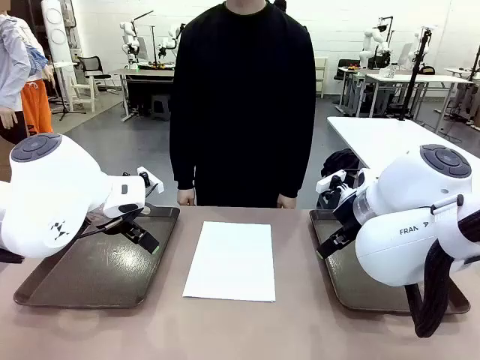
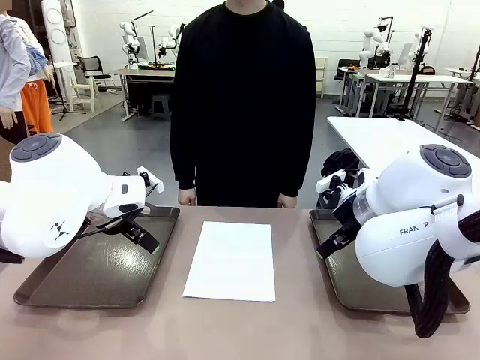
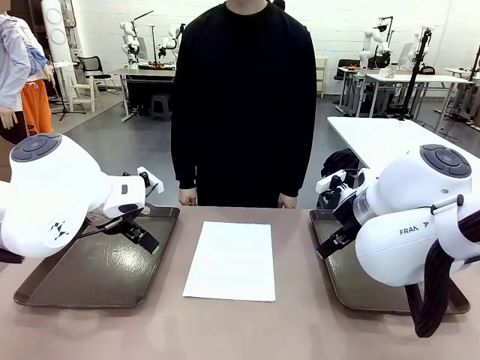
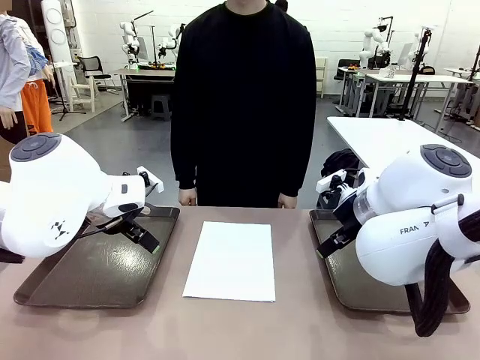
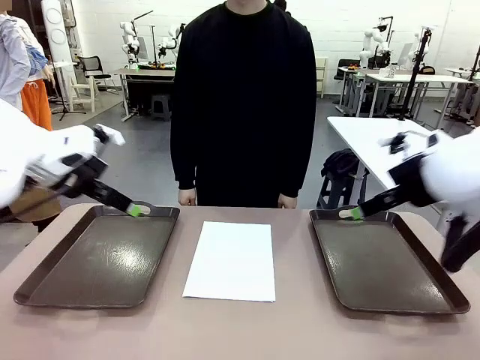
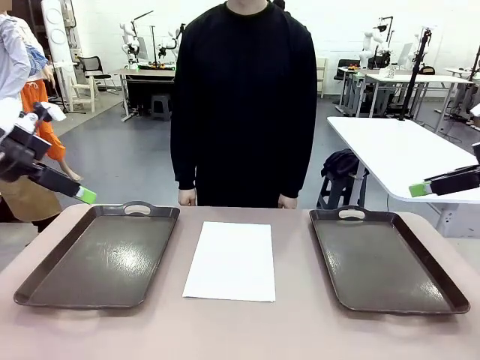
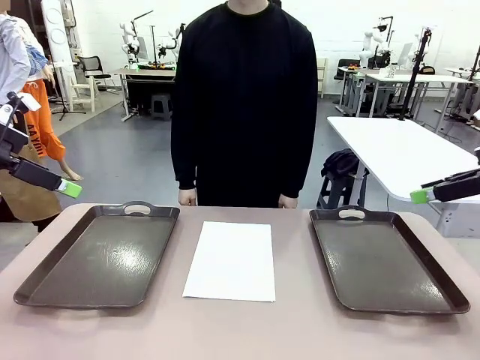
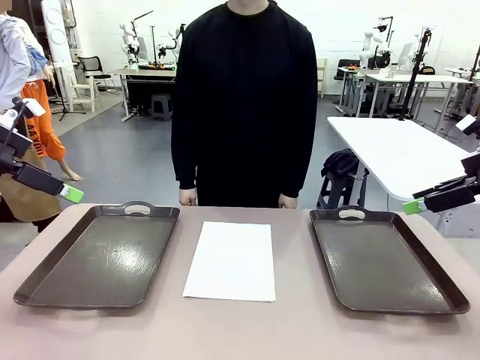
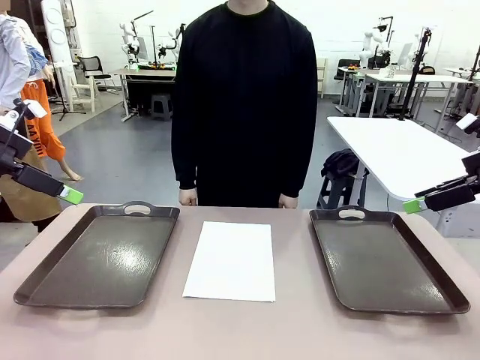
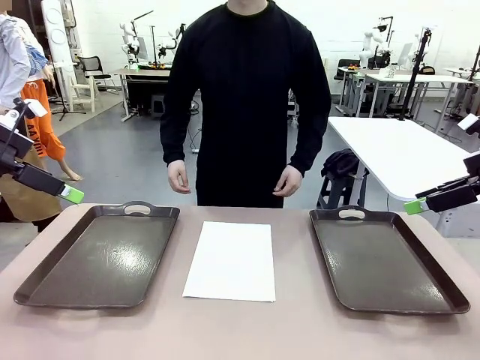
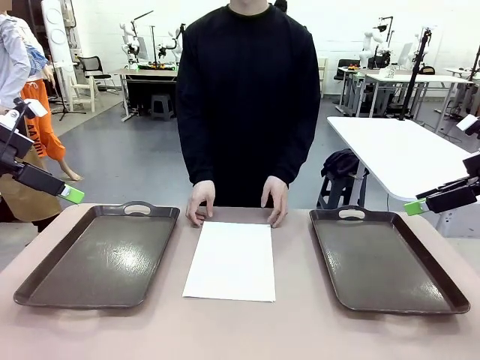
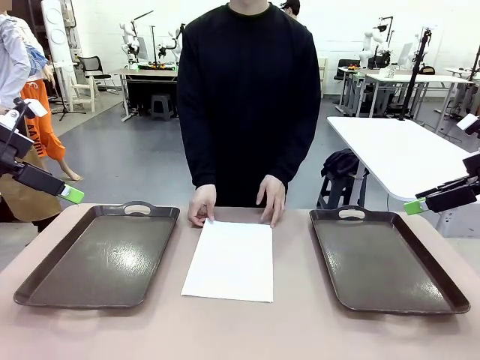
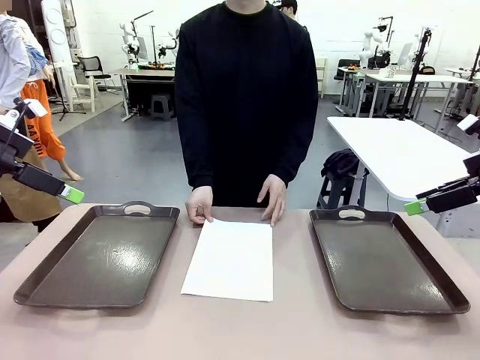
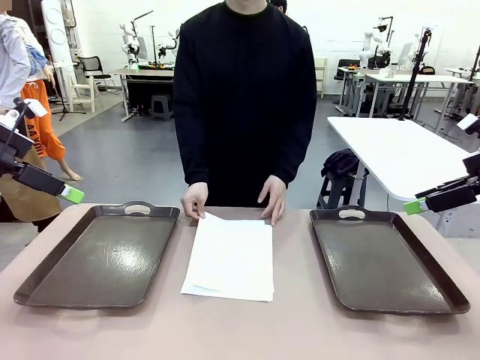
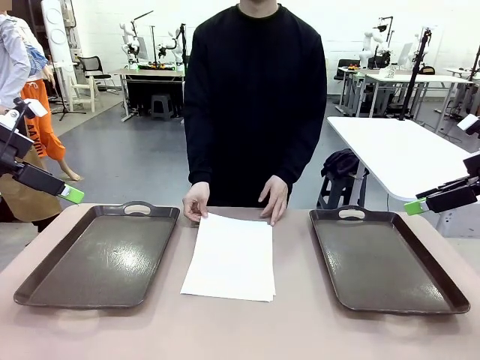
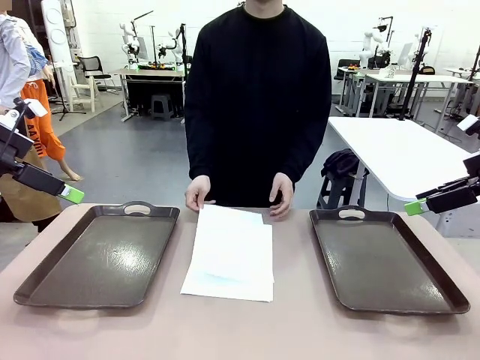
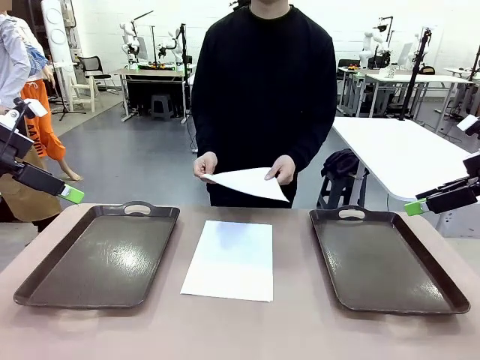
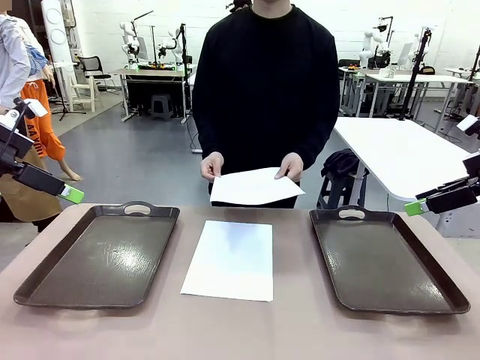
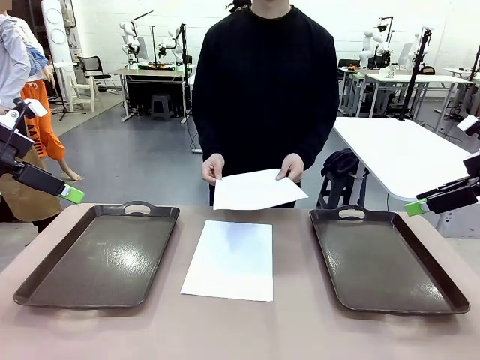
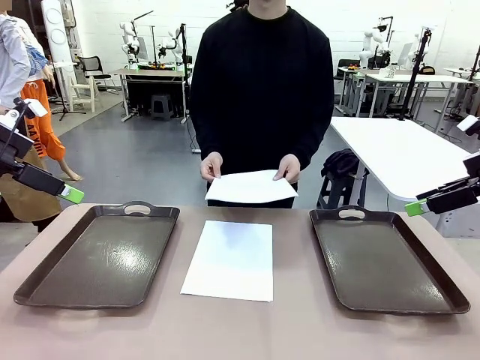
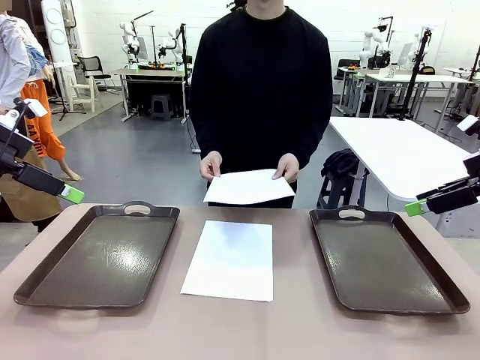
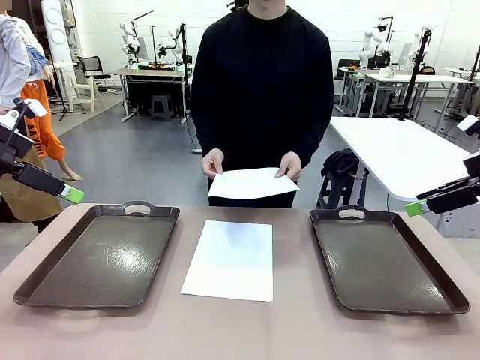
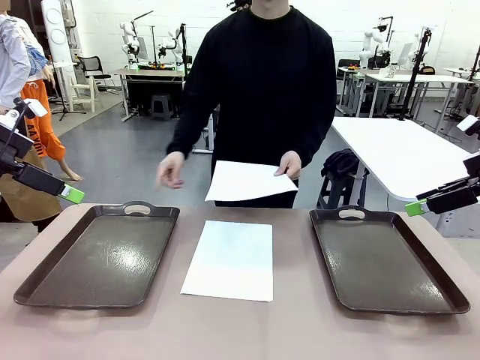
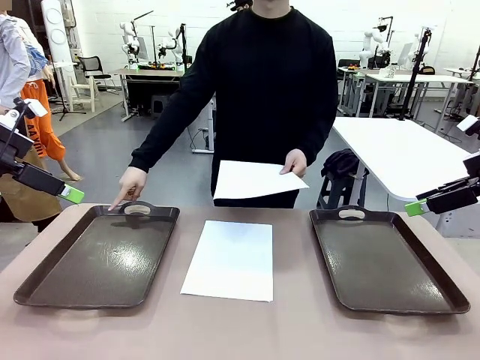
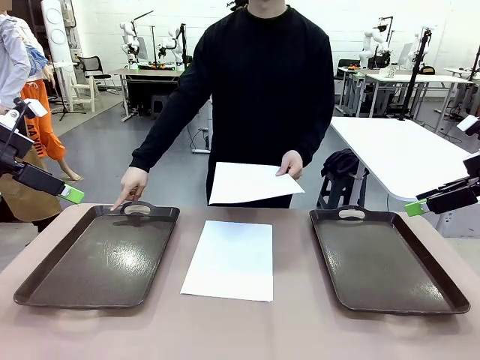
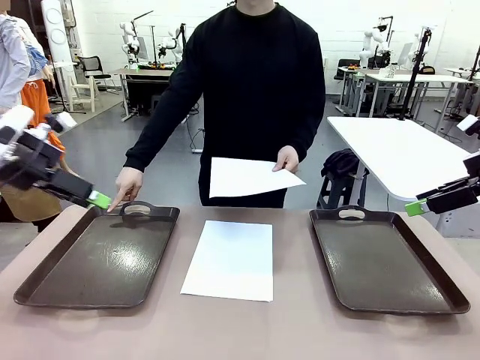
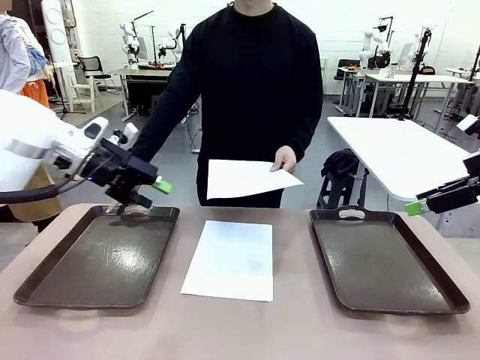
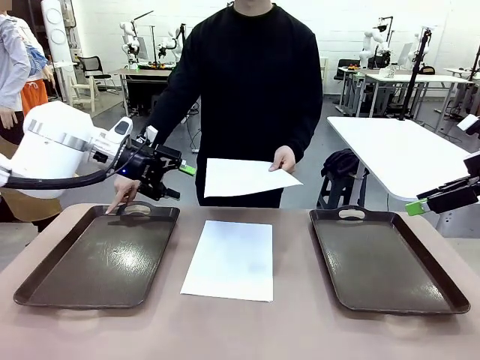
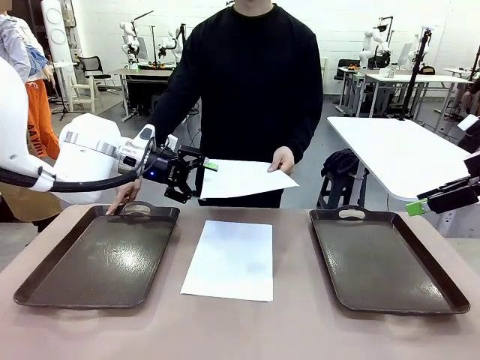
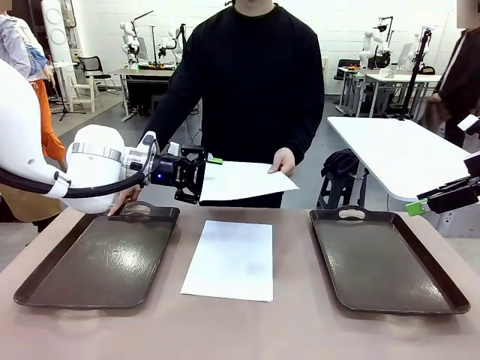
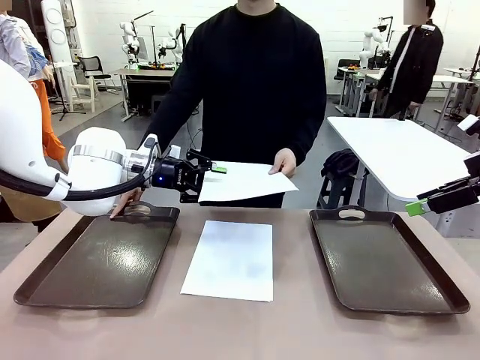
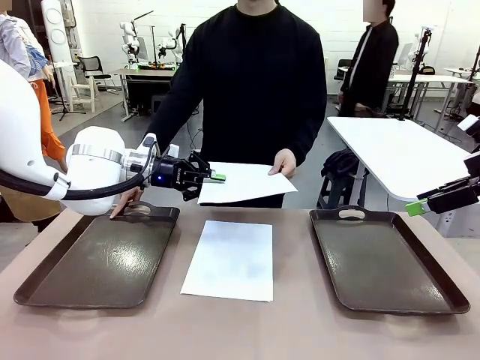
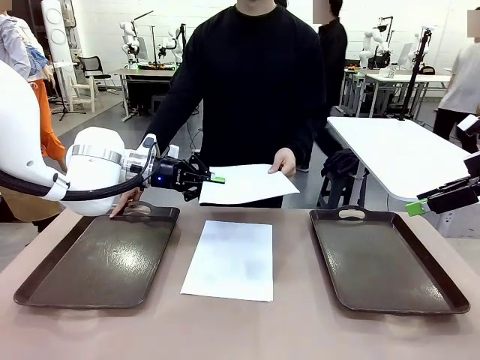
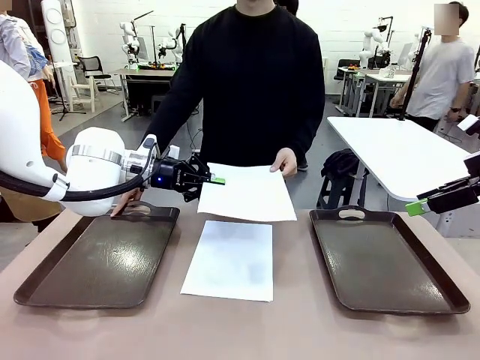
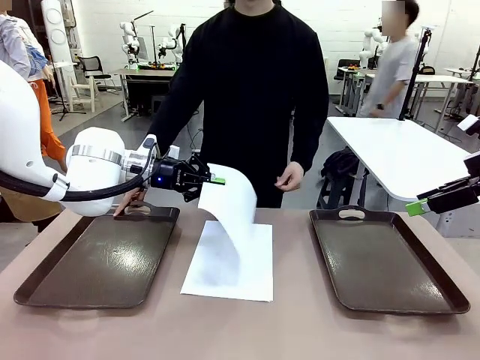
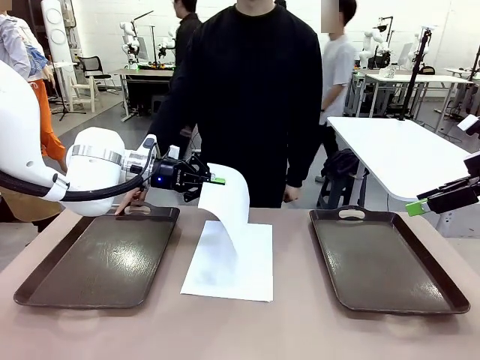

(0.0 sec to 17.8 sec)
Task: Sort the A4 documents.
Robot: Receive the A4 Paper.
Person: Pick up a sheet of paper from the center of the table and hand it to the robot. Point the randomly selected tray with the other hand.

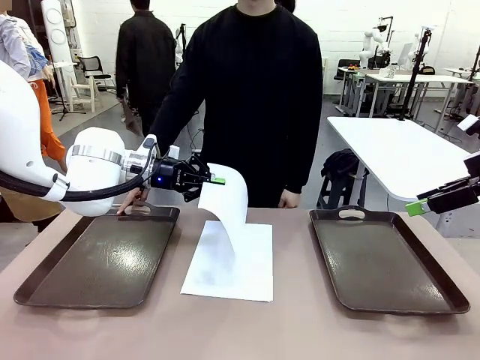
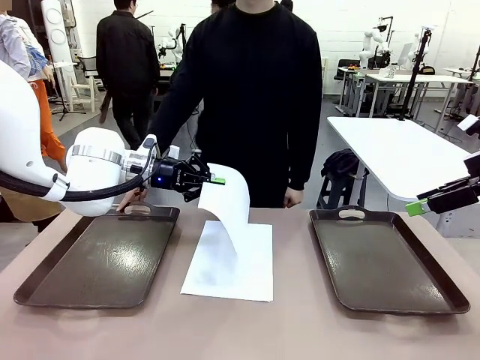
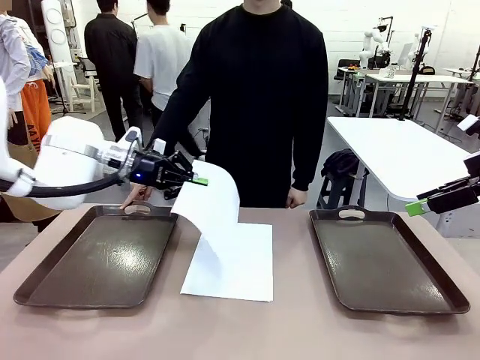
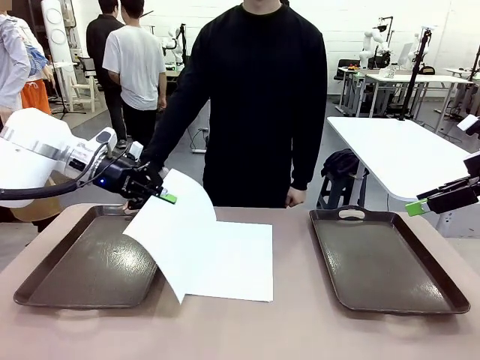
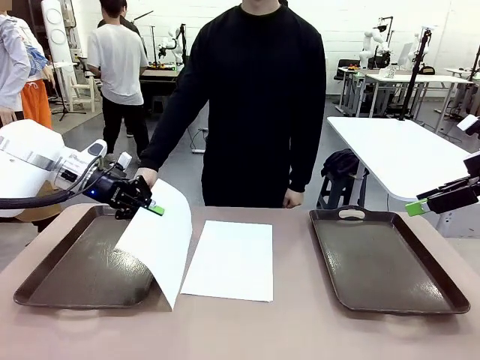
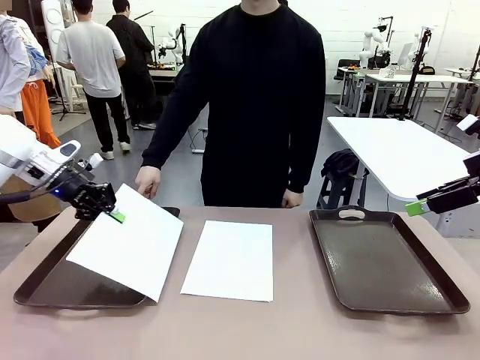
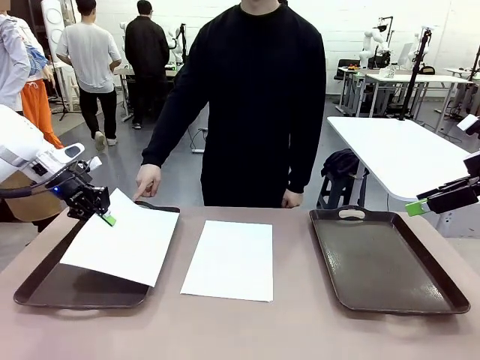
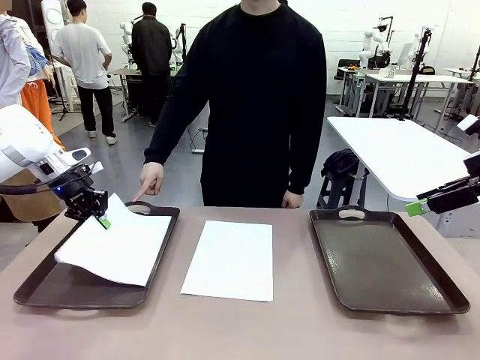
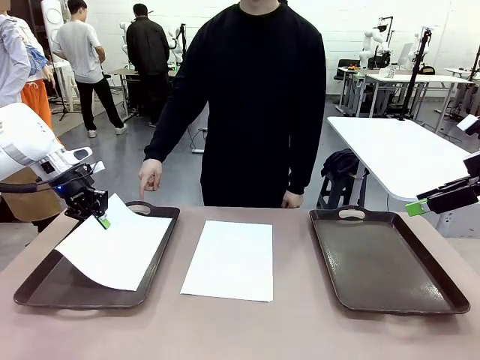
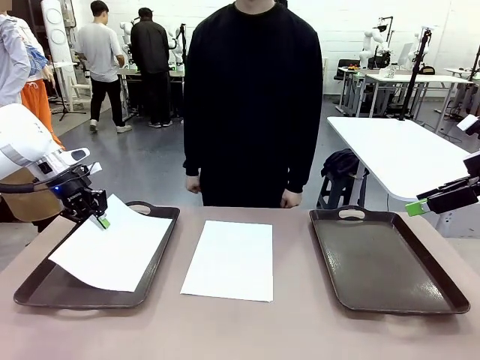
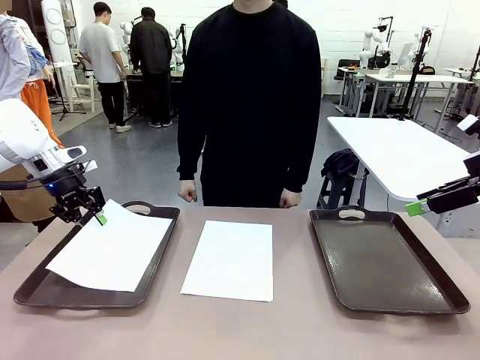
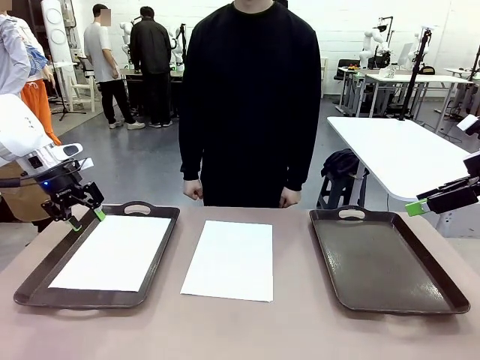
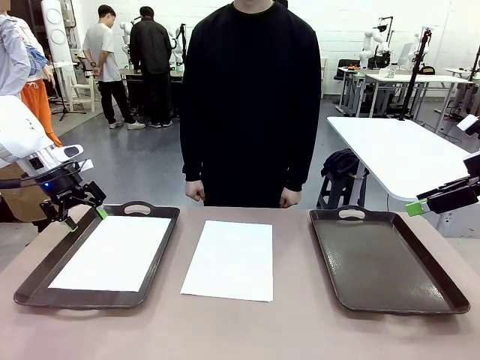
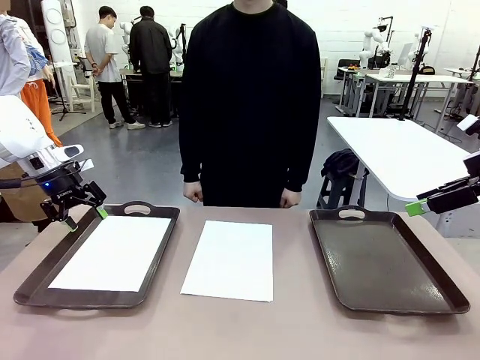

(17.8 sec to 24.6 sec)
Robot: Place the A4 Paper in the designated Handle tray.
